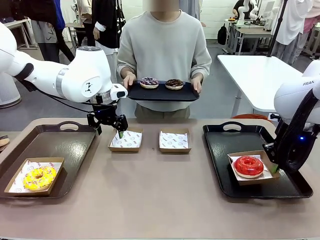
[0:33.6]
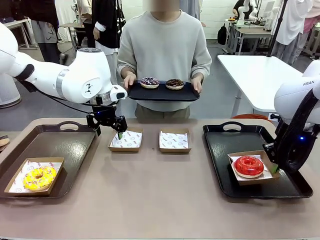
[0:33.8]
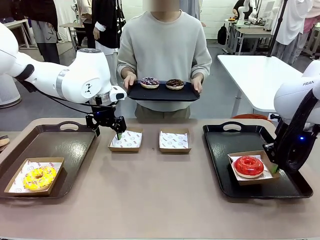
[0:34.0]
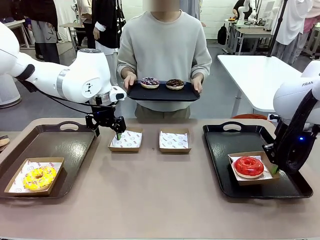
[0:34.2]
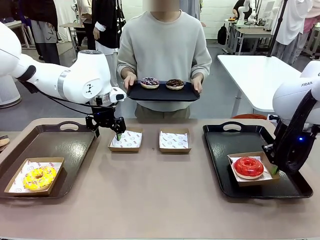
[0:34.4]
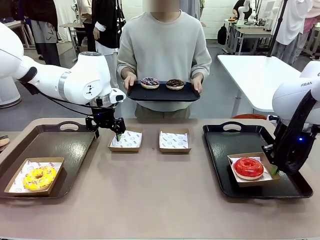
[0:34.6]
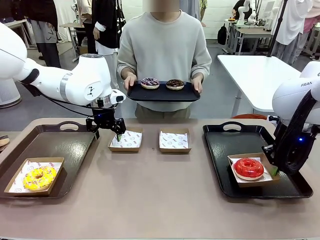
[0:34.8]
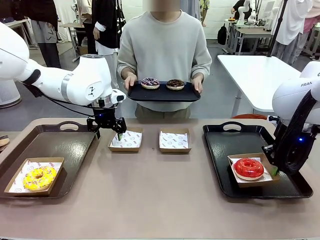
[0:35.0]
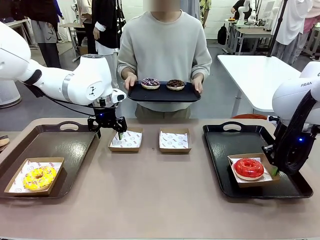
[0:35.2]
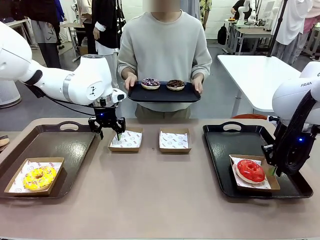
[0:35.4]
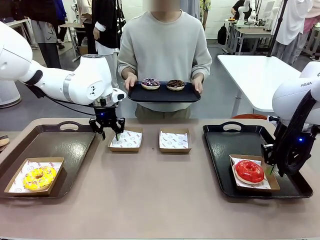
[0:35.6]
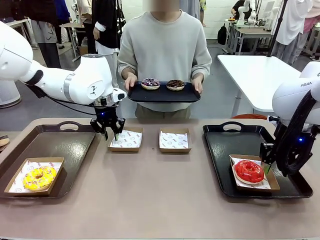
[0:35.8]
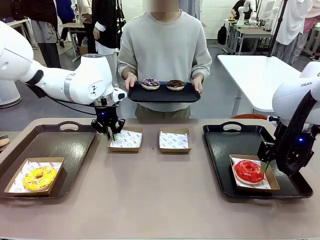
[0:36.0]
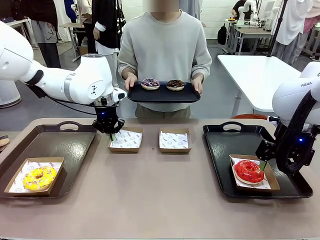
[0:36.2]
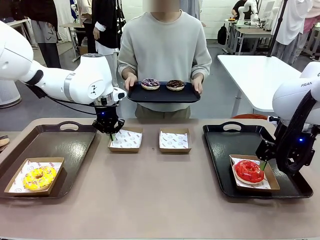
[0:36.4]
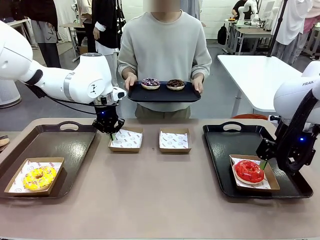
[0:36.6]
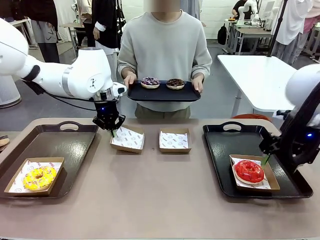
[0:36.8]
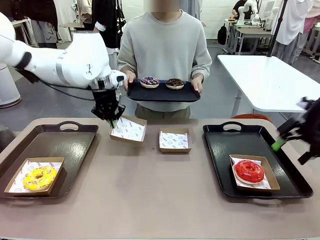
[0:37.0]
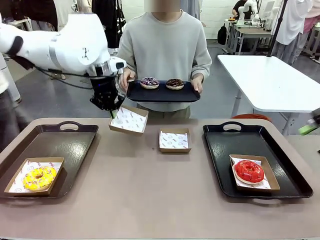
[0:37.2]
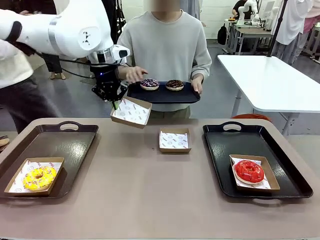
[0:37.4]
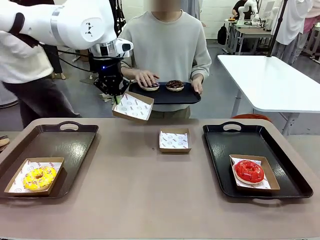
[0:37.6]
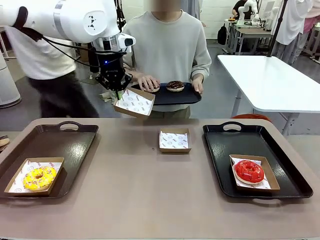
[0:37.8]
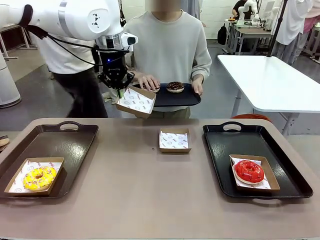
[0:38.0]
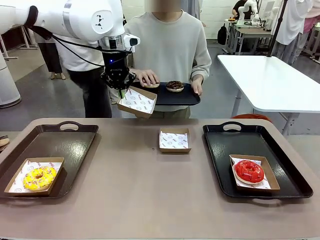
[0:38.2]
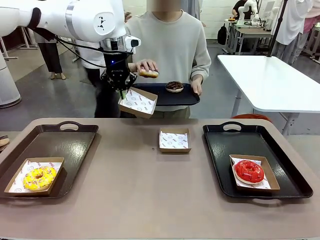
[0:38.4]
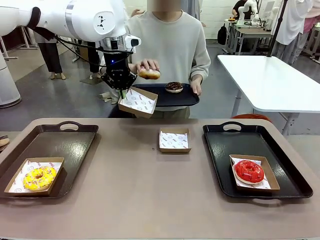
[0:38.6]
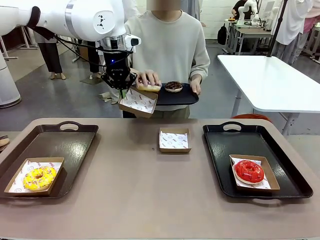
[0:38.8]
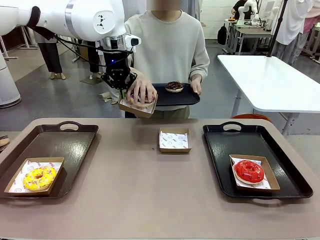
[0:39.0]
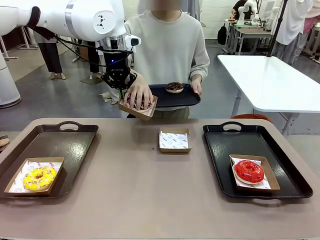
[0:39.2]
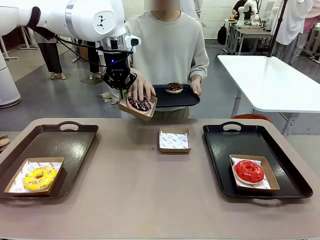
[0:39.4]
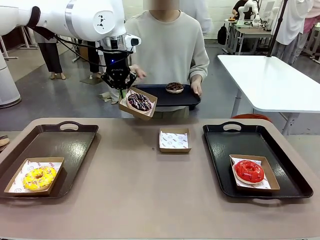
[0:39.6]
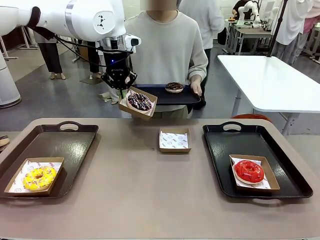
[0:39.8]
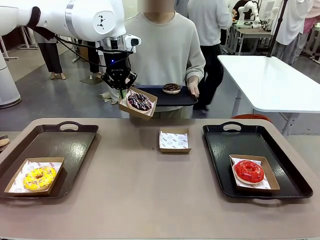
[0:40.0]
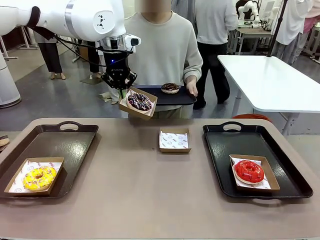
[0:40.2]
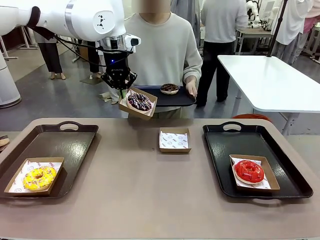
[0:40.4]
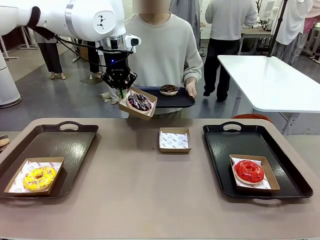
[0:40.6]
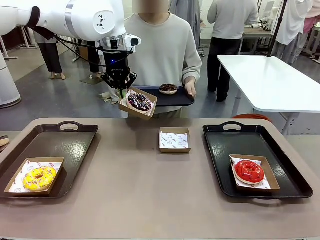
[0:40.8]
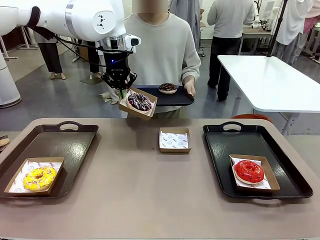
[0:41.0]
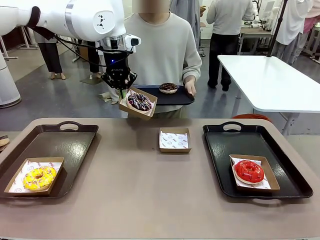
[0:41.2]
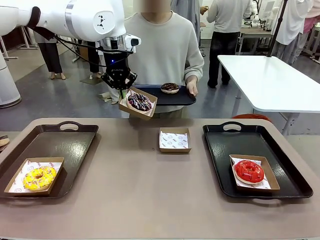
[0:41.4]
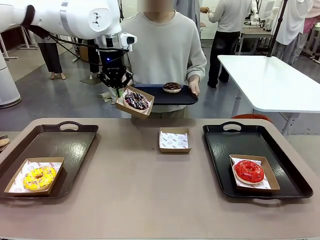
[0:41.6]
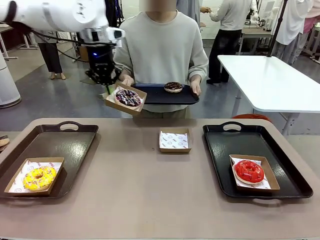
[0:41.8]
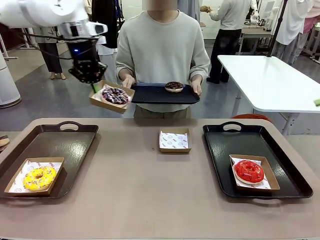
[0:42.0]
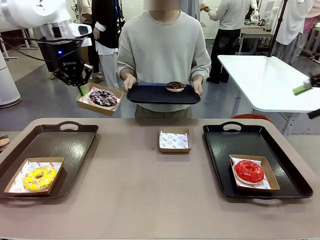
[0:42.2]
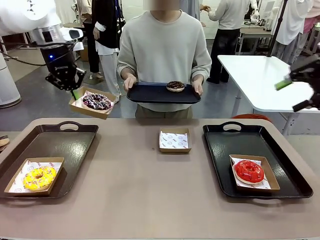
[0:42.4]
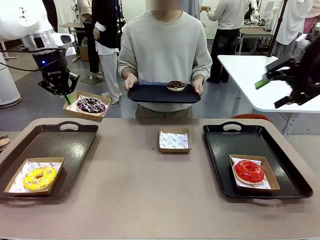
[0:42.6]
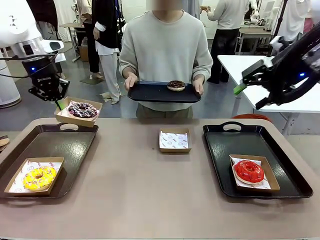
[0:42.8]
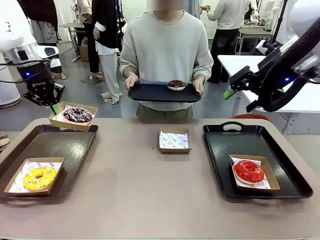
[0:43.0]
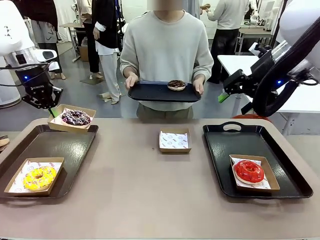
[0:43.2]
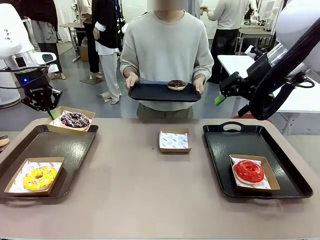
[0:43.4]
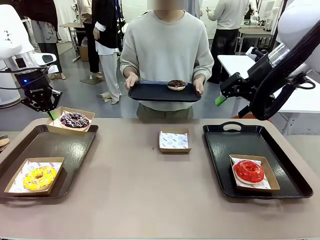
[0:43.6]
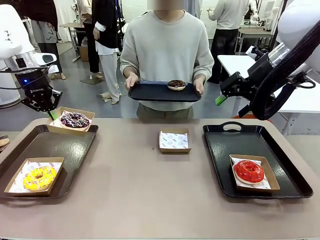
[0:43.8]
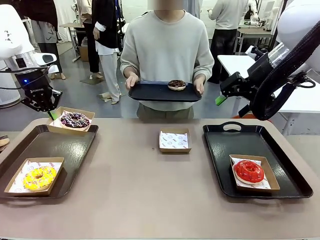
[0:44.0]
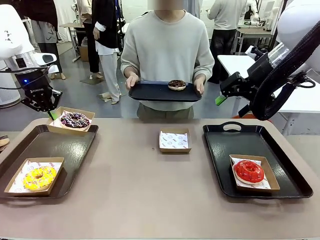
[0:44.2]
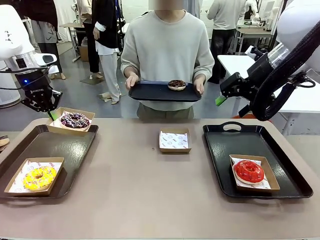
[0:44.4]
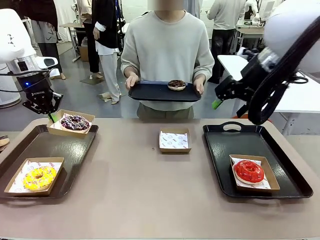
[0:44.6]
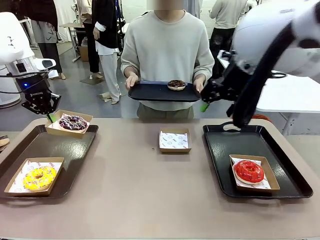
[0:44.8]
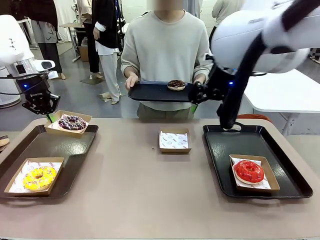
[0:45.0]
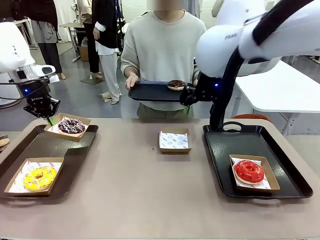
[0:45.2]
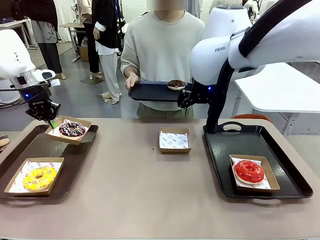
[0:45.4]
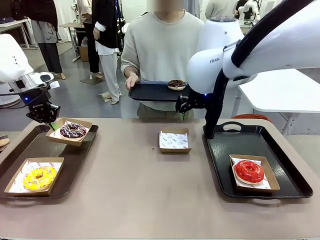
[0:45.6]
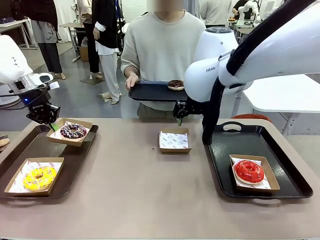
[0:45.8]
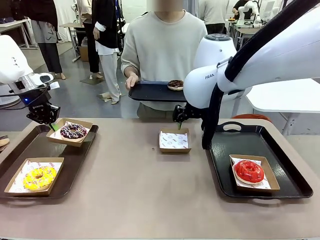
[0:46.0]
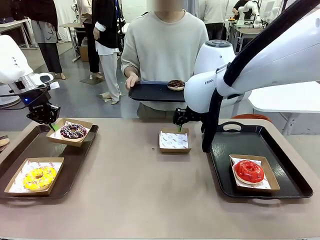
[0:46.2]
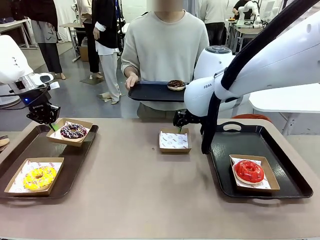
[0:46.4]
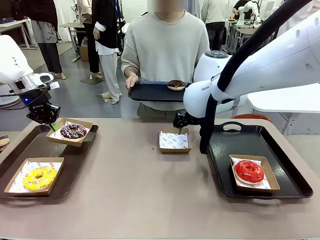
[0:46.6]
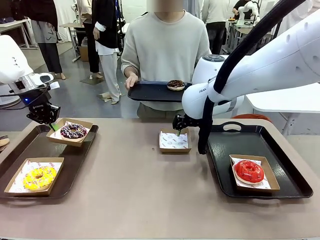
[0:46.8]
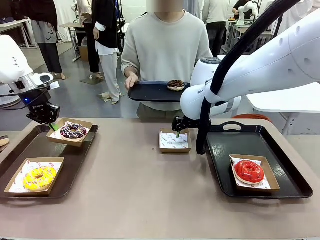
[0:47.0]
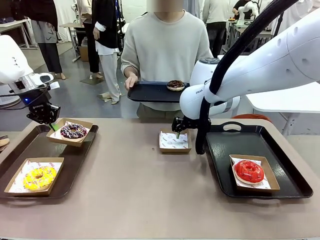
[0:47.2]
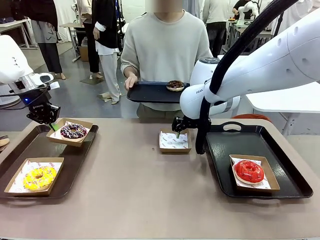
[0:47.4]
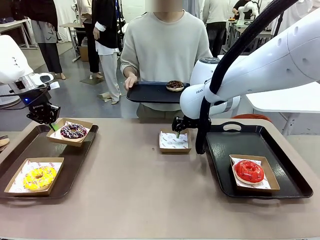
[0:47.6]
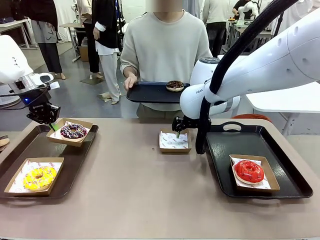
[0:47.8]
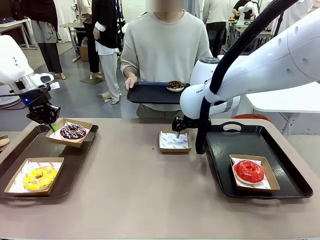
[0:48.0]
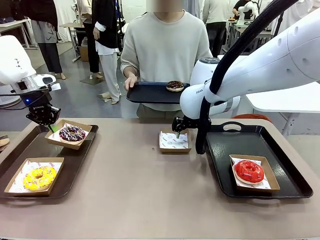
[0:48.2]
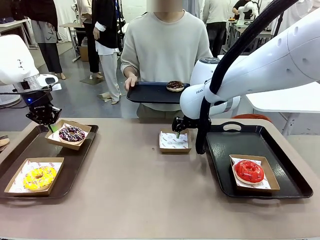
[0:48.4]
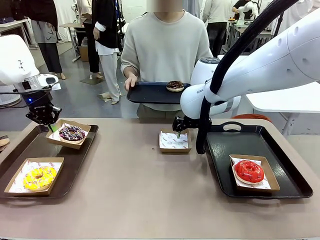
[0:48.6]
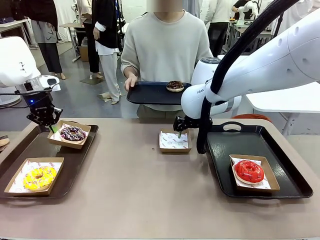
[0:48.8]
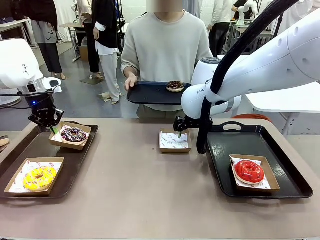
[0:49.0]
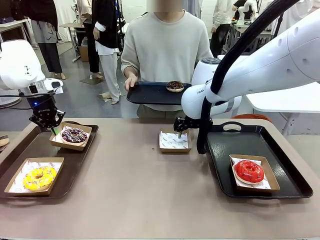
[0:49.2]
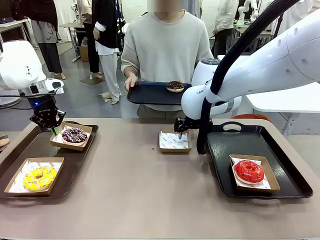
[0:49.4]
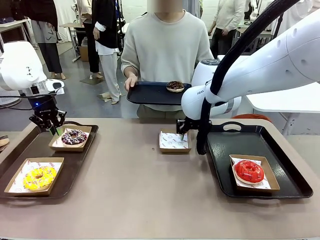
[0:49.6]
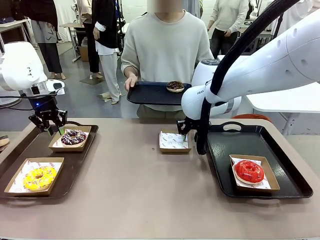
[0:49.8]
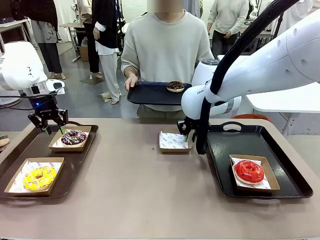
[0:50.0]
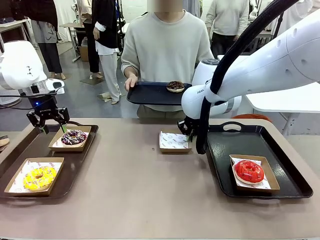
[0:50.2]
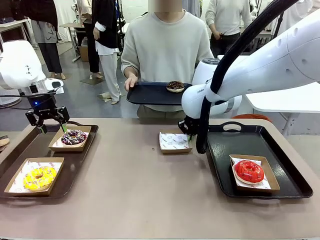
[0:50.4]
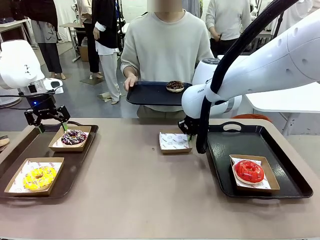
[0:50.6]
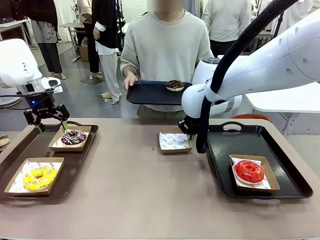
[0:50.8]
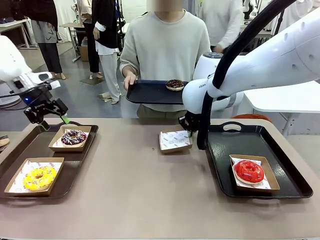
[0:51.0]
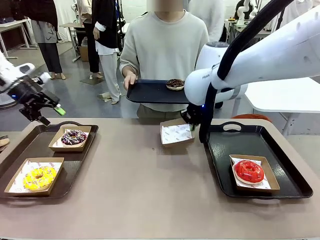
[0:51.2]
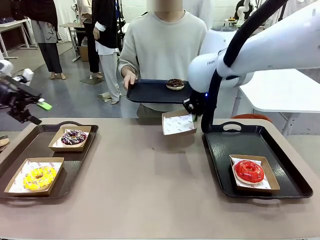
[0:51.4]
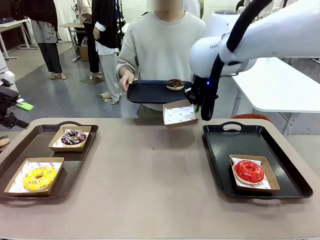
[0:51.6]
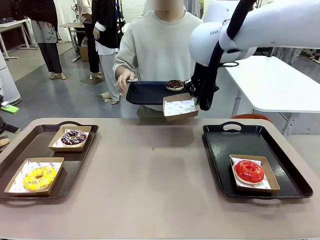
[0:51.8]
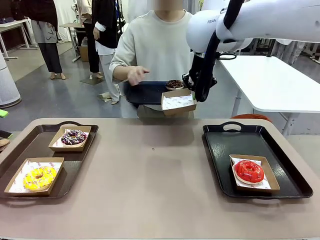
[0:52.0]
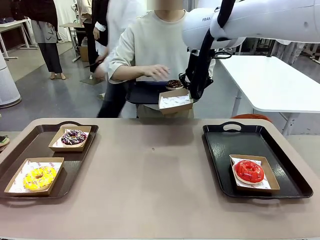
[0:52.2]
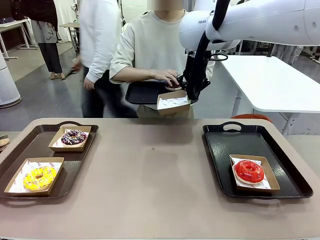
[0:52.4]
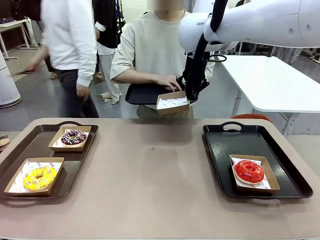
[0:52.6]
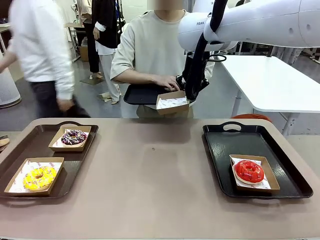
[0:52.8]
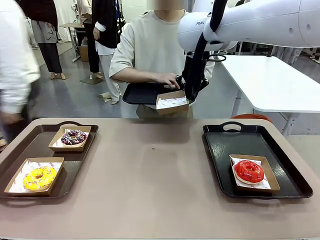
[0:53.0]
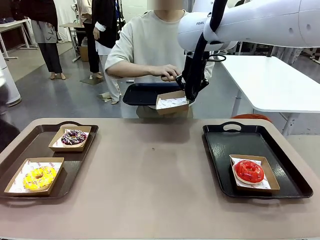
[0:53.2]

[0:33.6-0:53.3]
Task: Individually package the donuts and arrange them on the tray.
Robot: Place the picked Paper togo box on the Handle tray while simultaneously picking up another Paper togo box from the table with the other hand.
